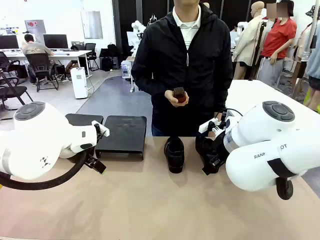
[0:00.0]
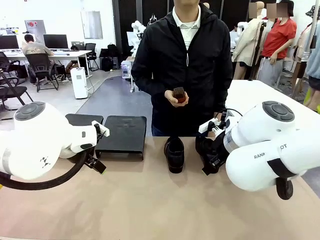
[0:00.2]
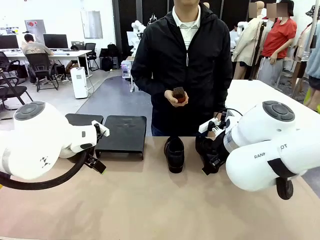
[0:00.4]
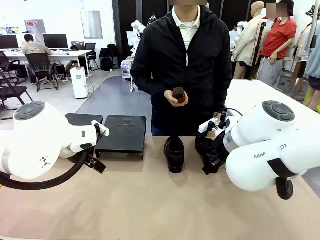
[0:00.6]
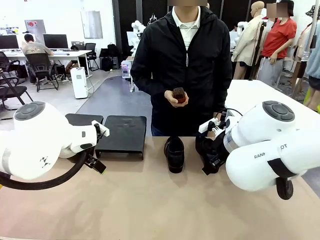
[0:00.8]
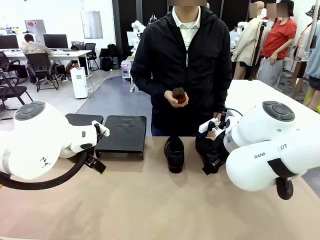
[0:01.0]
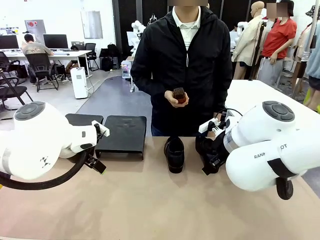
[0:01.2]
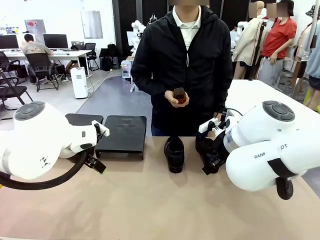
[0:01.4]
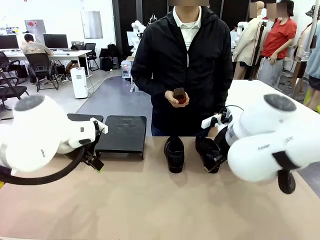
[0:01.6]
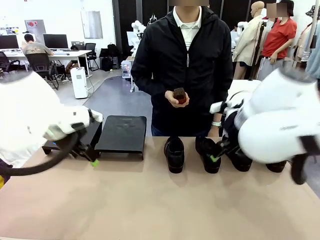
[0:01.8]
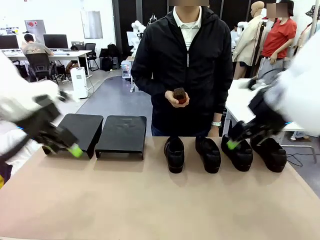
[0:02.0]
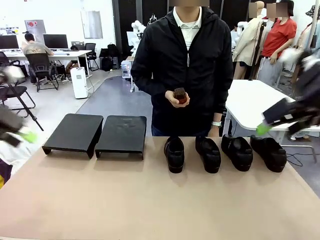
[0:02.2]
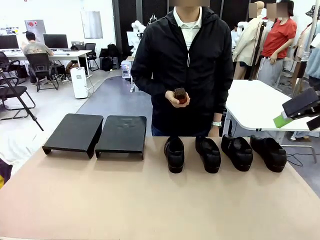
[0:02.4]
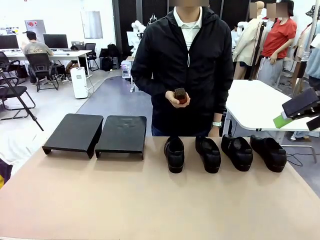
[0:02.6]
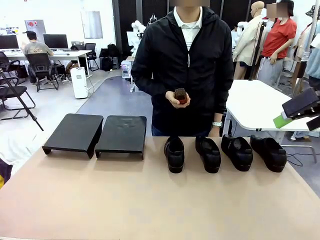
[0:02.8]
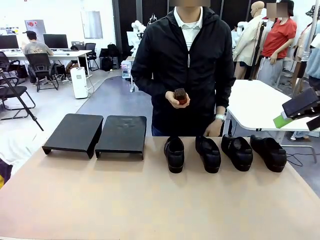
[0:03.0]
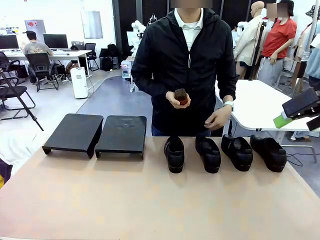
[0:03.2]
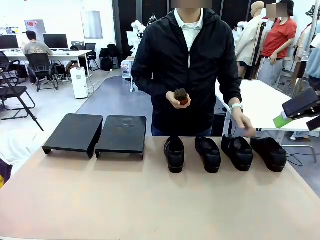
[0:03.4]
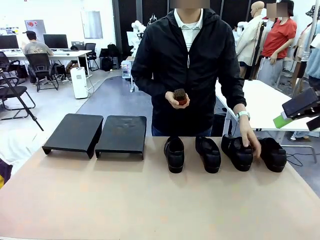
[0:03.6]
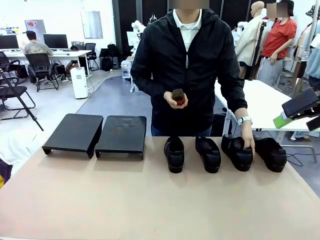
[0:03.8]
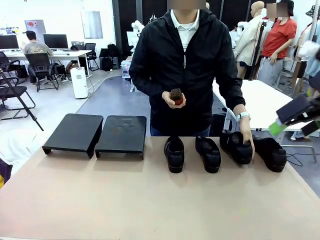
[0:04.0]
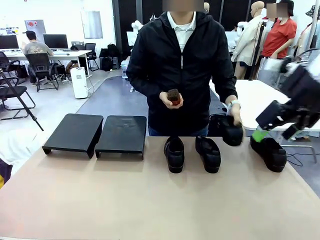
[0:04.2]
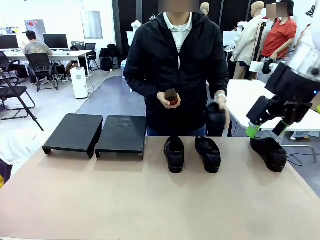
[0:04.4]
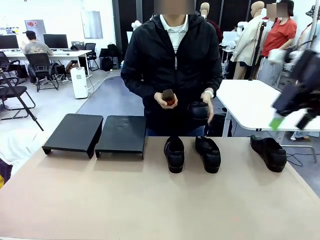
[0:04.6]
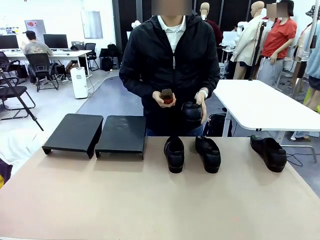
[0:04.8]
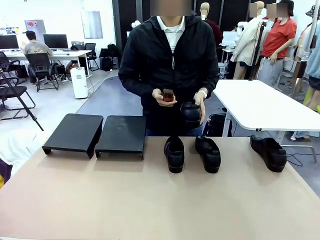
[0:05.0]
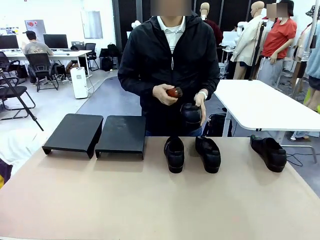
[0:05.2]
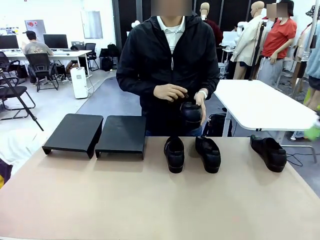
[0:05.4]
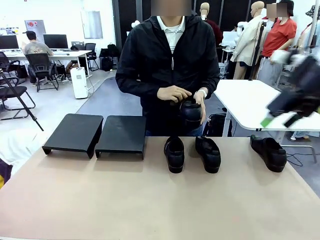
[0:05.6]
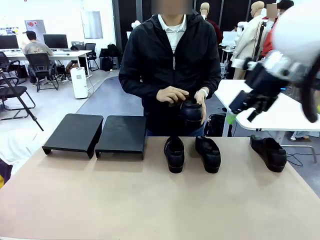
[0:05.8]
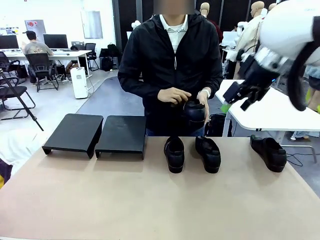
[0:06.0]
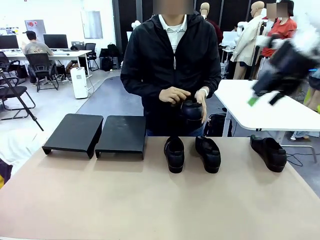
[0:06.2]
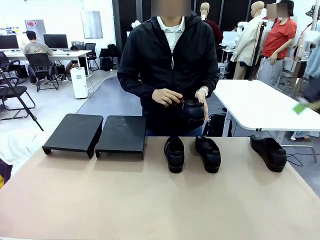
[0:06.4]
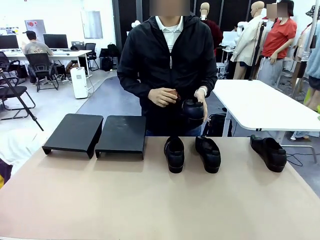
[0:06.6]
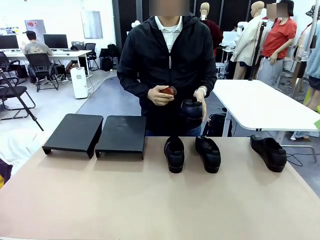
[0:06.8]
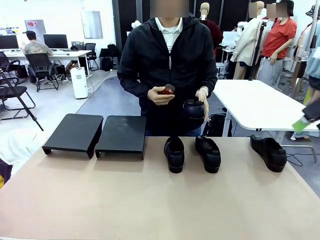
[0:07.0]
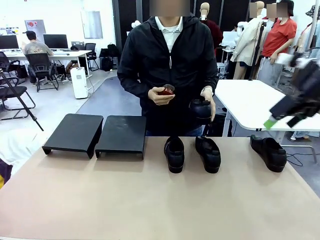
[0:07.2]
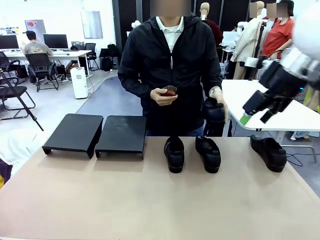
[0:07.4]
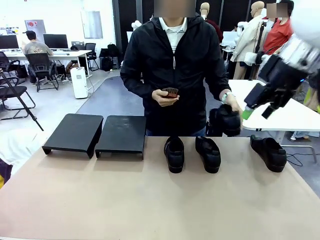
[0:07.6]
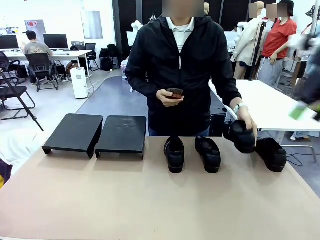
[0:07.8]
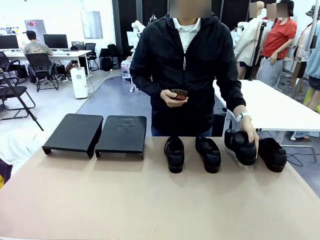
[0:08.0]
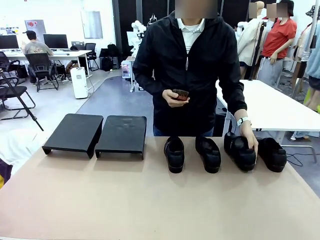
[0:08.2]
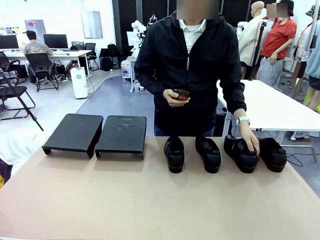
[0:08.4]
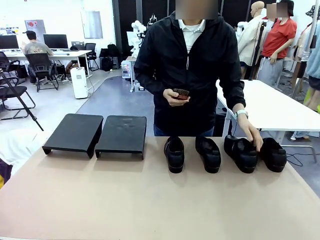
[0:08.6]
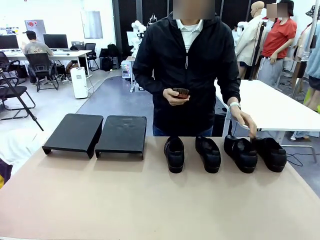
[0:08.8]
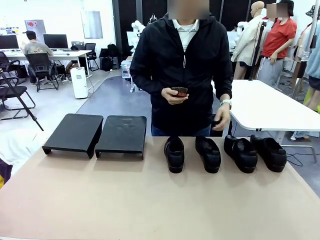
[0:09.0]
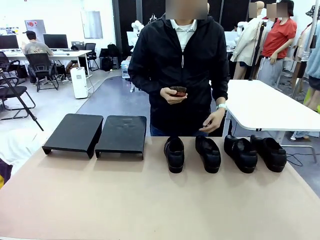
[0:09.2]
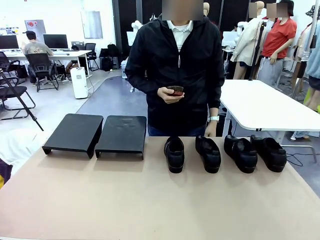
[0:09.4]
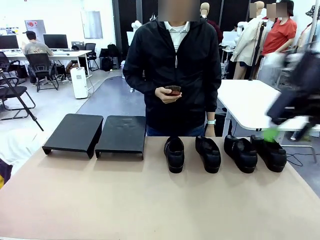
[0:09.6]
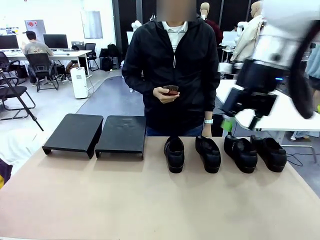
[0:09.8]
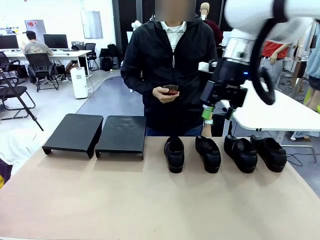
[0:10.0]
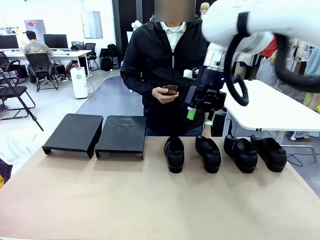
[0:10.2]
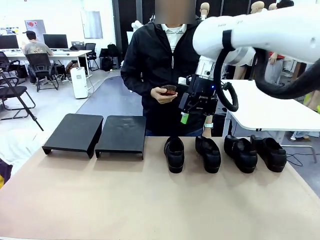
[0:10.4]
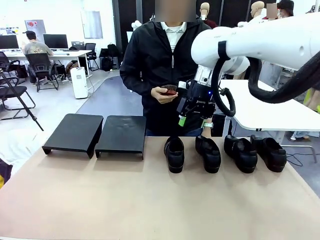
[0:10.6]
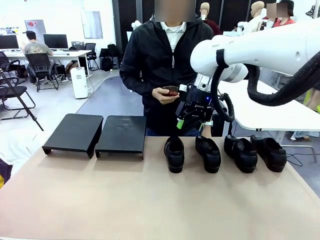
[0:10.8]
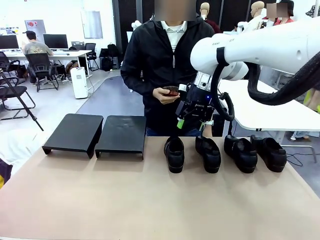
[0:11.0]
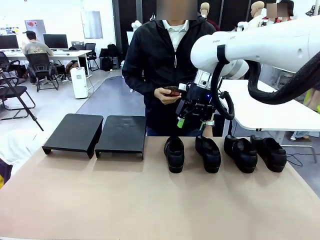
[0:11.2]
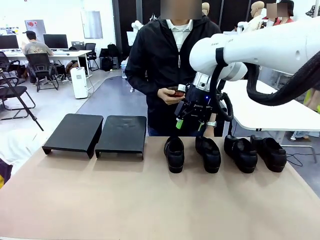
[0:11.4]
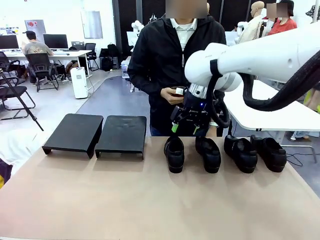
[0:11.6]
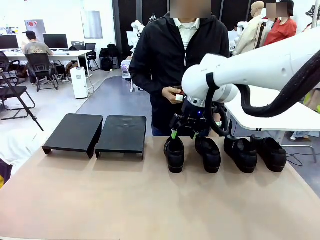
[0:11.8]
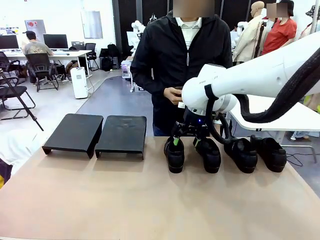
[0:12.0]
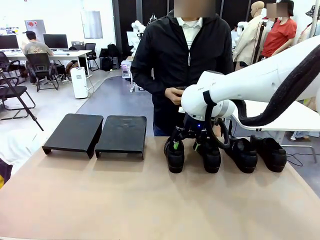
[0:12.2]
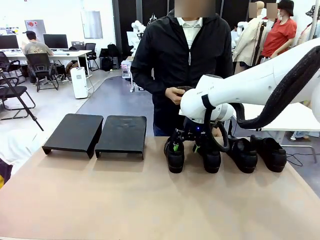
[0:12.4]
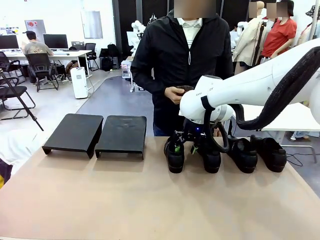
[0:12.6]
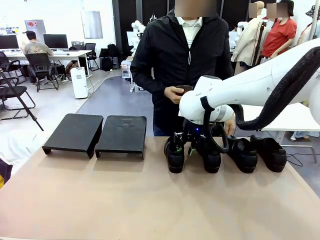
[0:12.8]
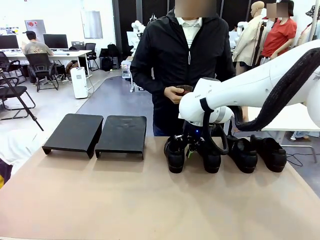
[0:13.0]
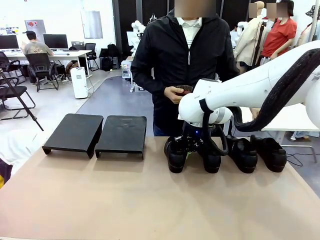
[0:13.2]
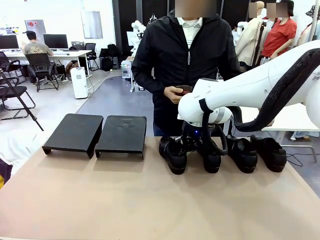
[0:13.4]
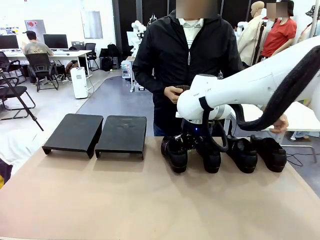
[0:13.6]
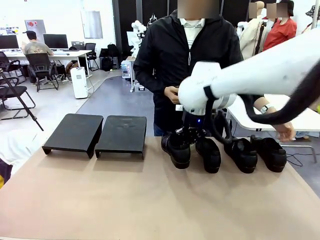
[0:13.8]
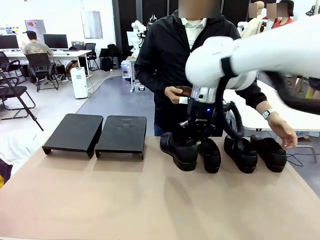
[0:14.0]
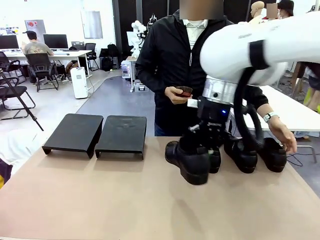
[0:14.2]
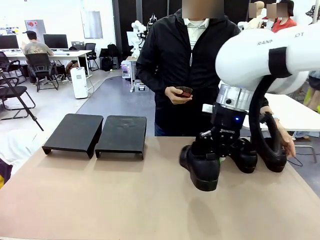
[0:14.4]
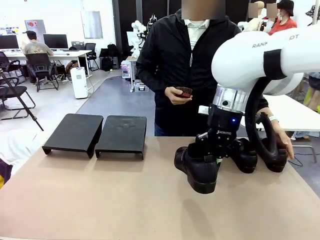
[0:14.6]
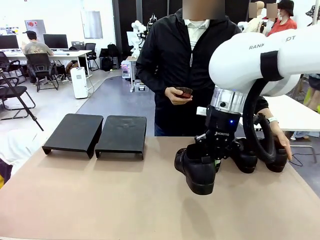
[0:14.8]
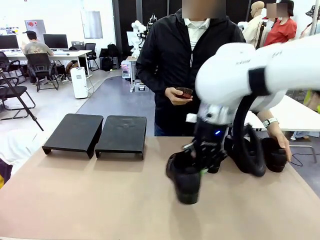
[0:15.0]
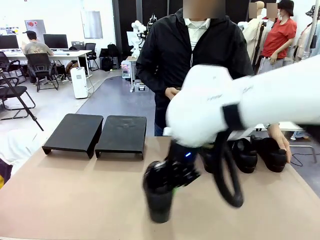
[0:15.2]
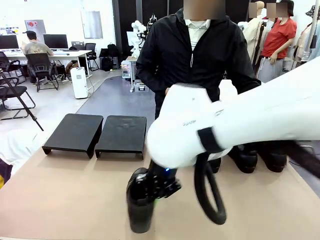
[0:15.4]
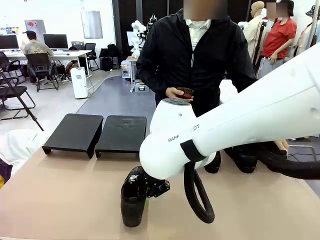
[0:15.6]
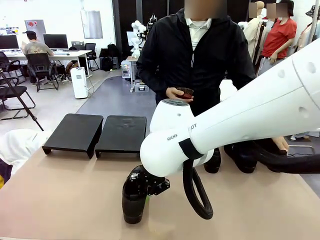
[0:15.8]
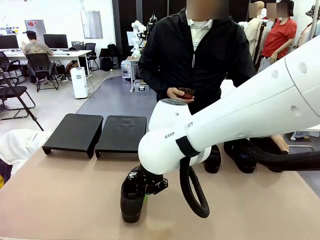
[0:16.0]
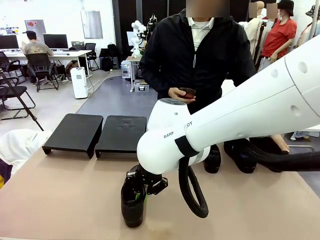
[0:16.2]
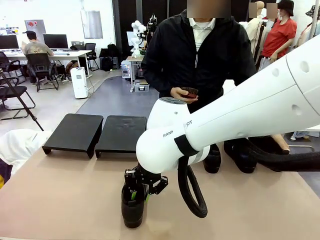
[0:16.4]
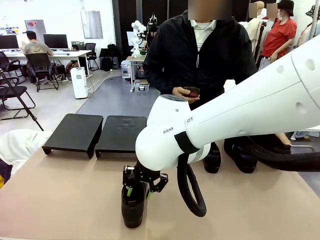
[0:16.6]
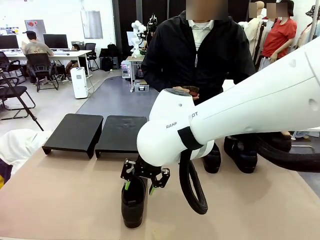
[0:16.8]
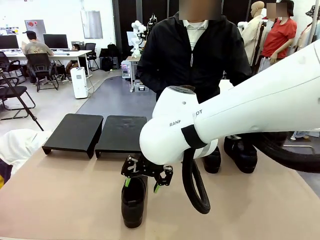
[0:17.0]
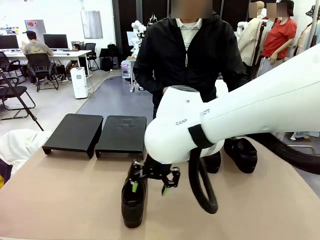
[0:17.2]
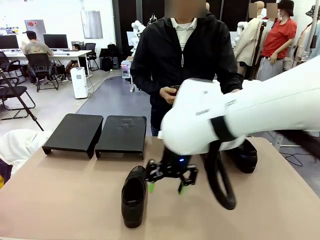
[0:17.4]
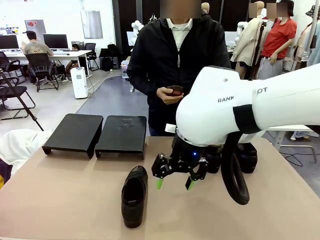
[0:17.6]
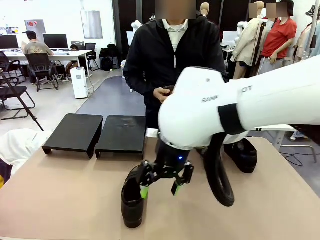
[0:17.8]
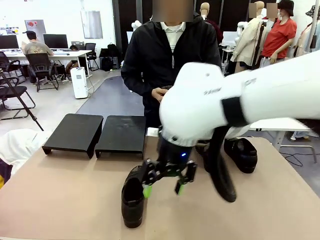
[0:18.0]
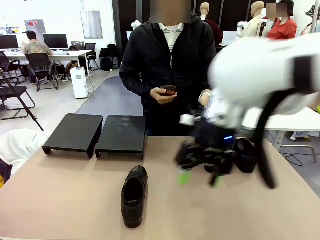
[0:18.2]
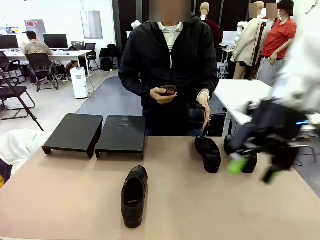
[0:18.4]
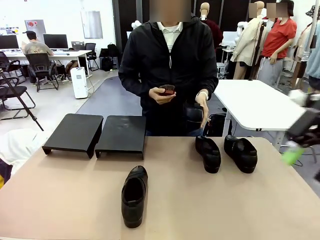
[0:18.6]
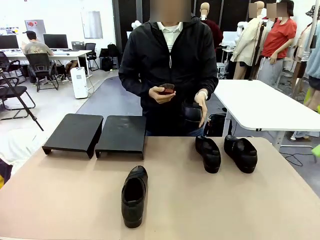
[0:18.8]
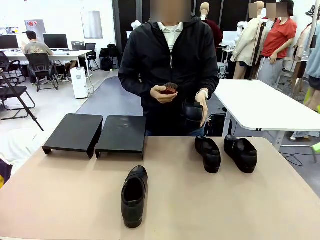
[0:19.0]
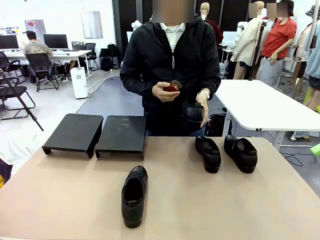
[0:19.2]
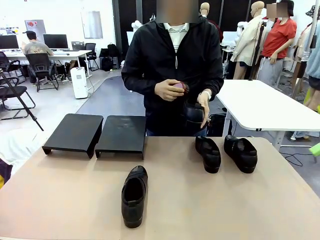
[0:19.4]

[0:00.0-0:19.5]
Task: Organize the shoes by placing them on the stand.
Robot: Pick up one Shoe and place it in the middle of the table.
Person: Pick one Shoe on Robot's table. Clean the Shoe with the Shoe Brush. Place the Shoe on left side of the Robot's table. Pick one Shoe on Robot's table.
